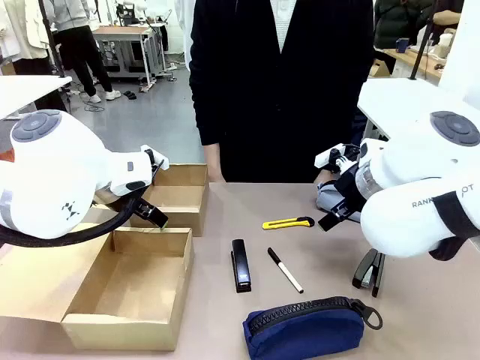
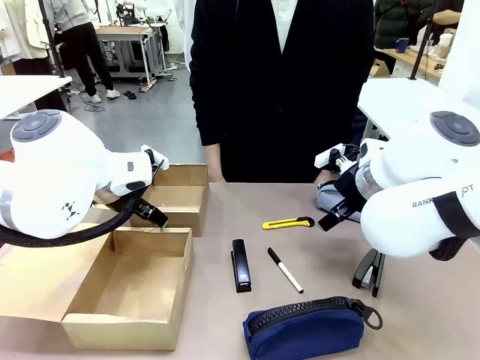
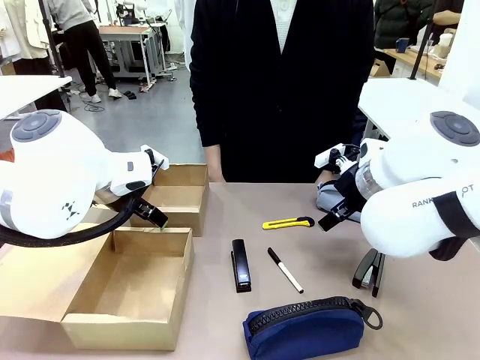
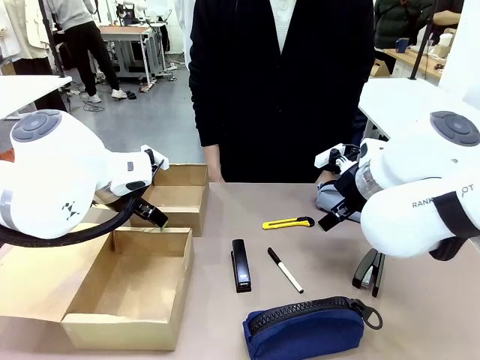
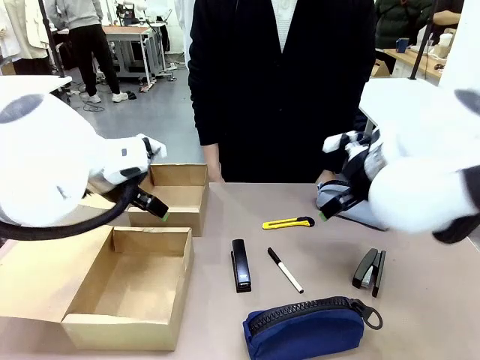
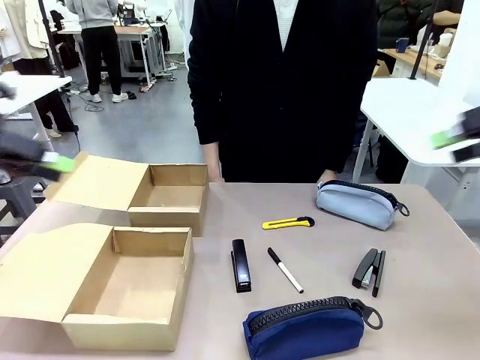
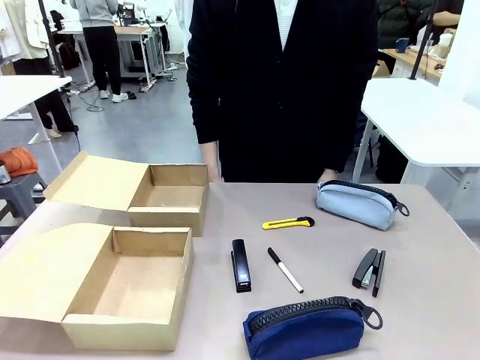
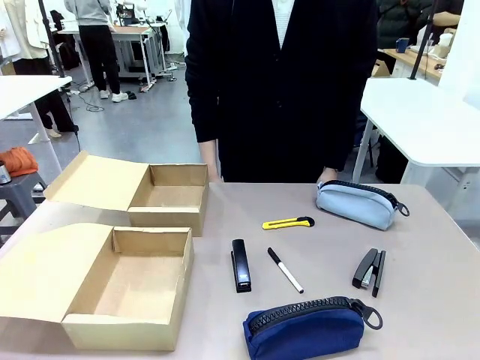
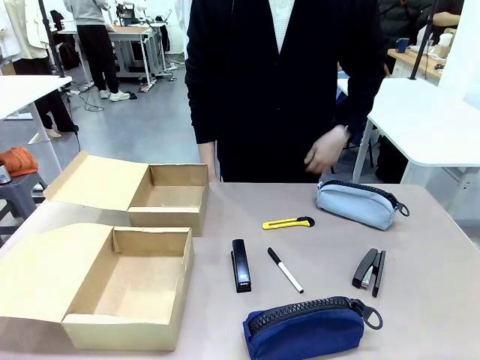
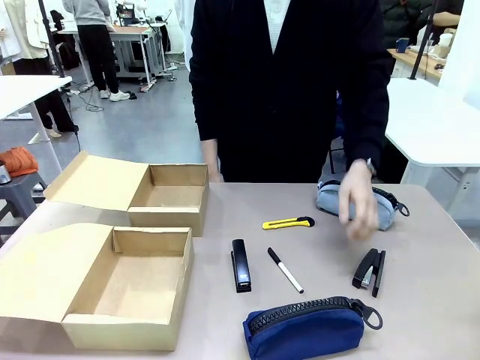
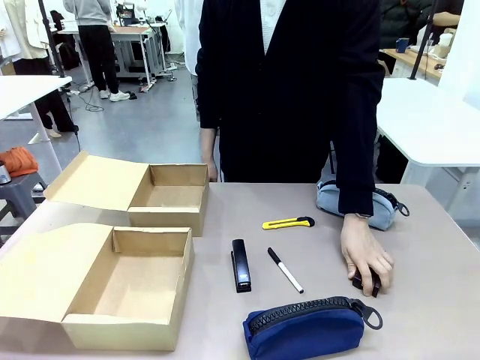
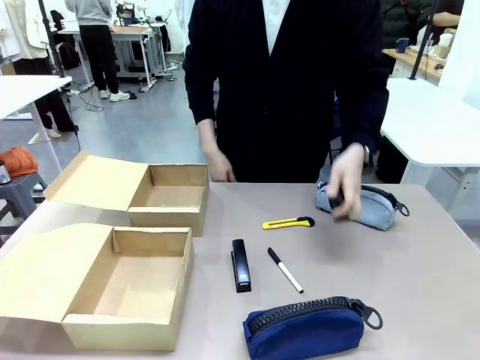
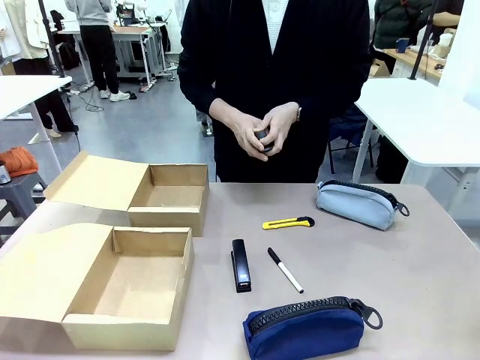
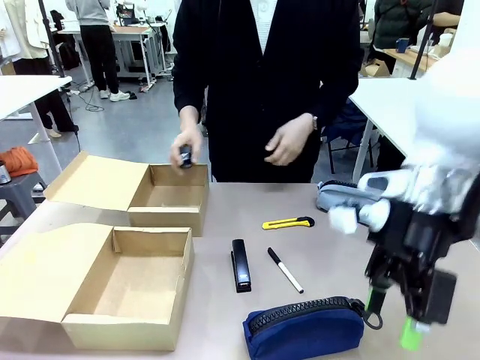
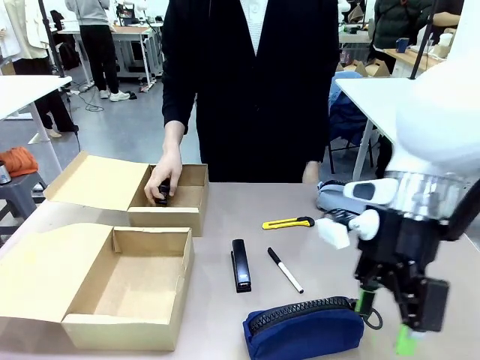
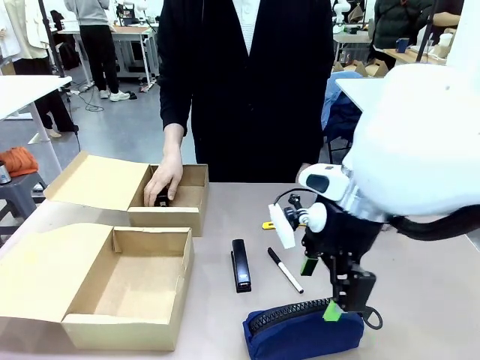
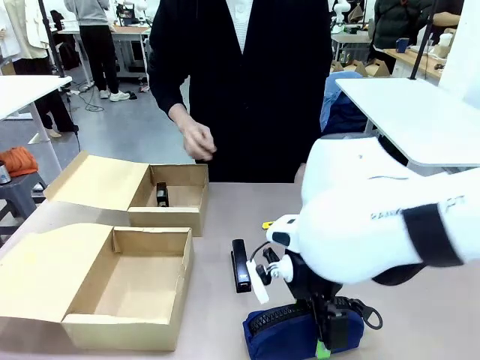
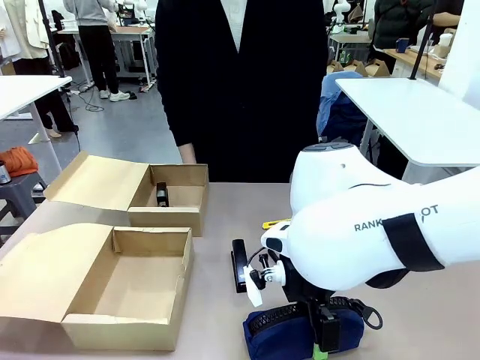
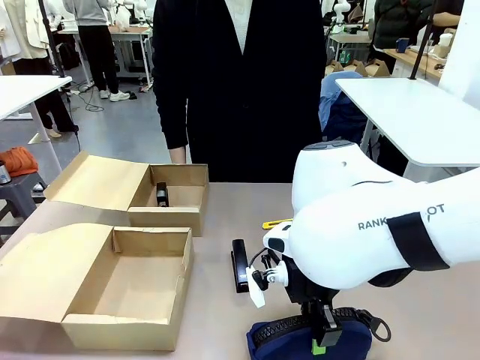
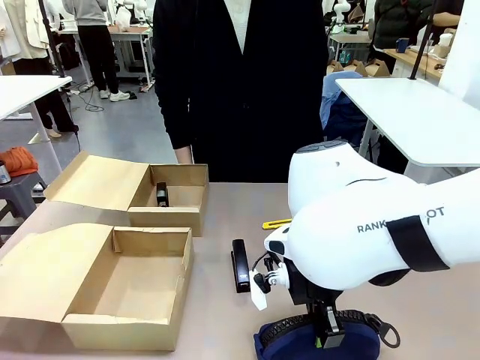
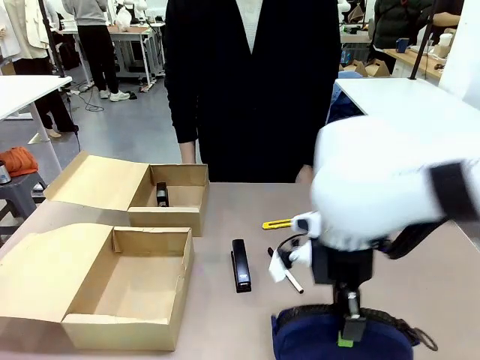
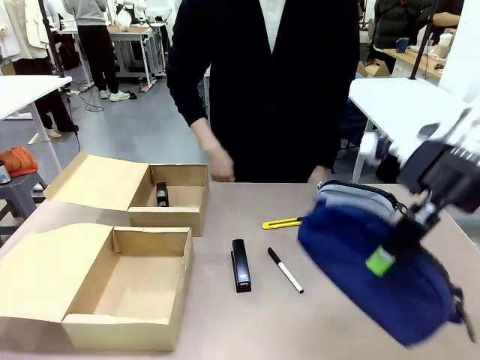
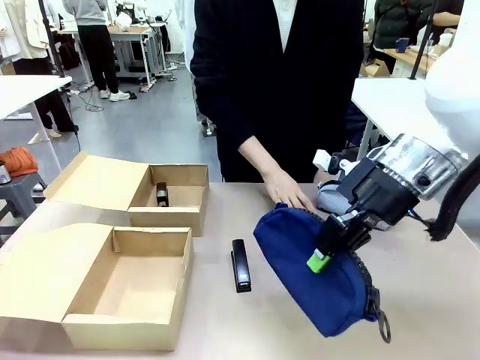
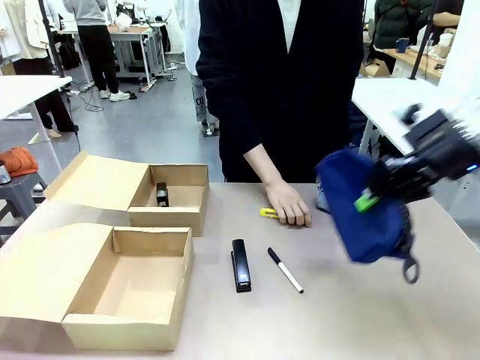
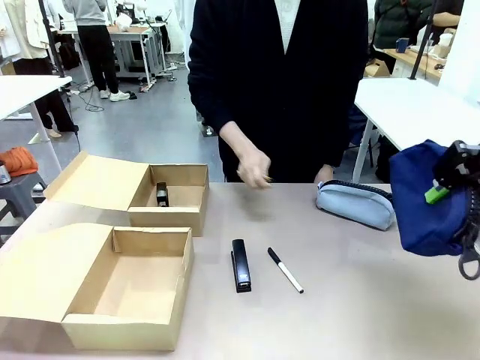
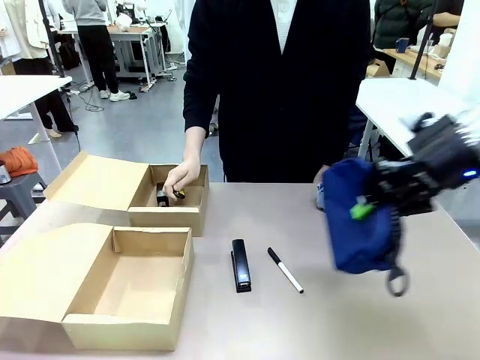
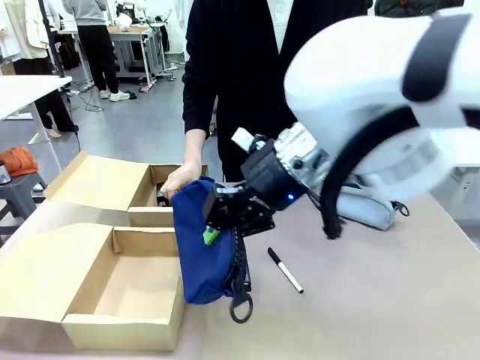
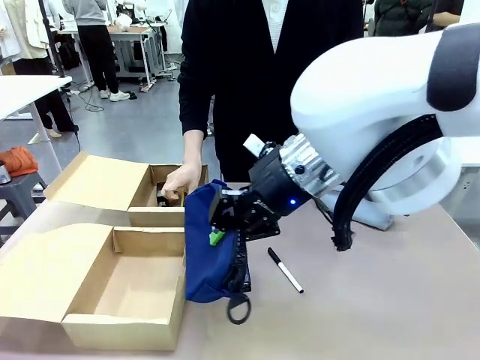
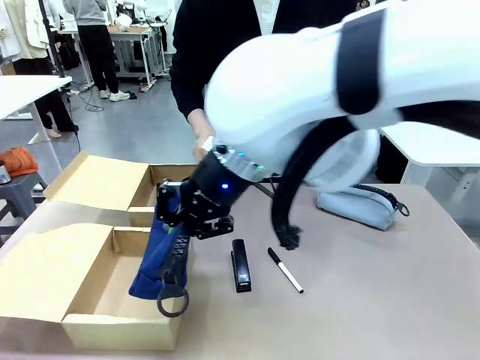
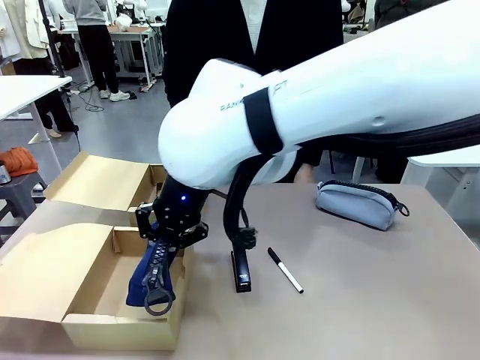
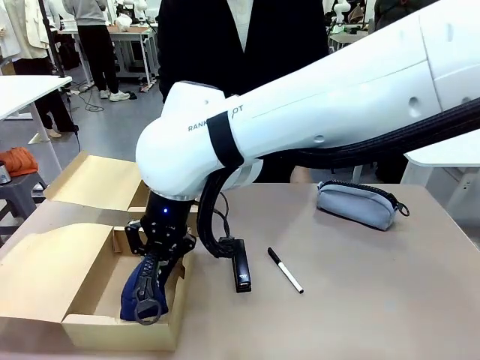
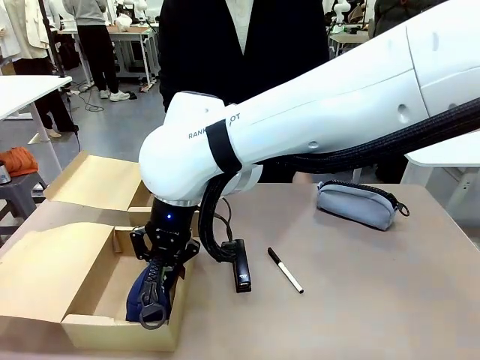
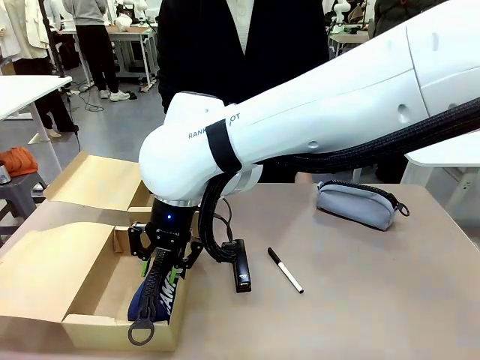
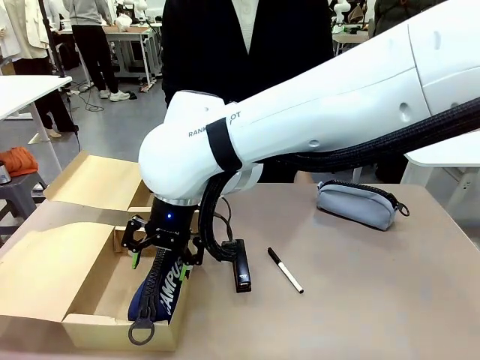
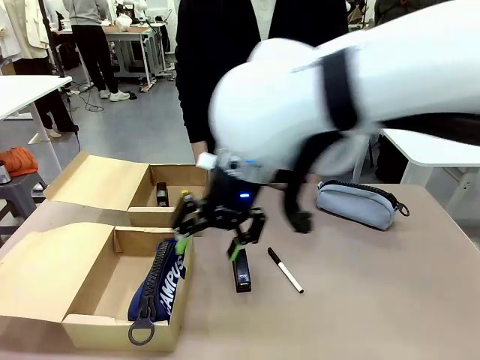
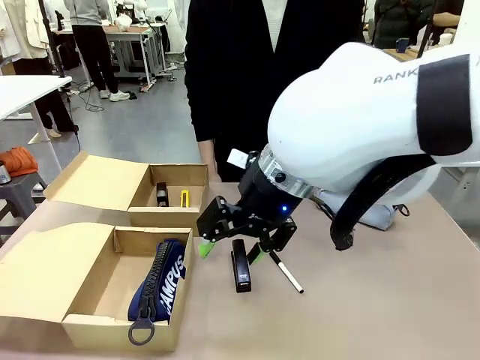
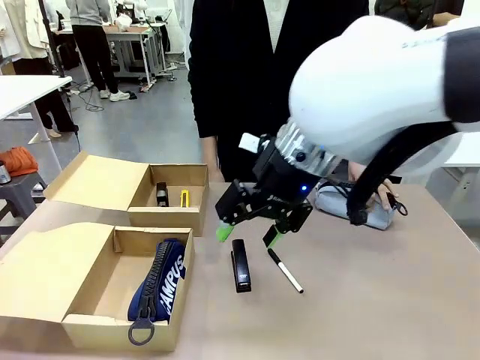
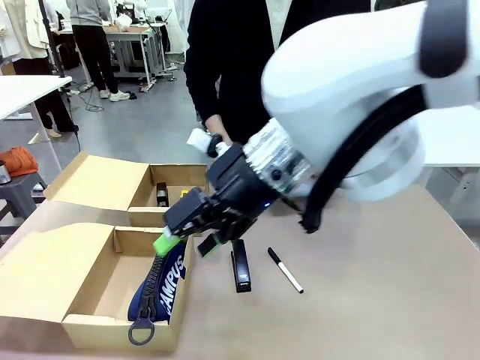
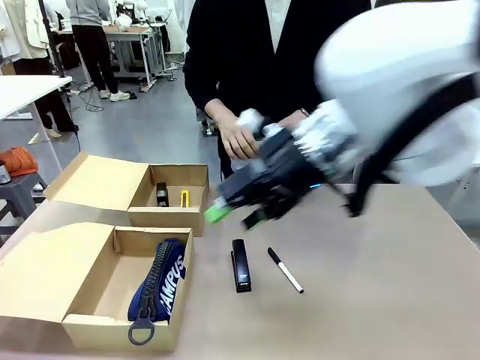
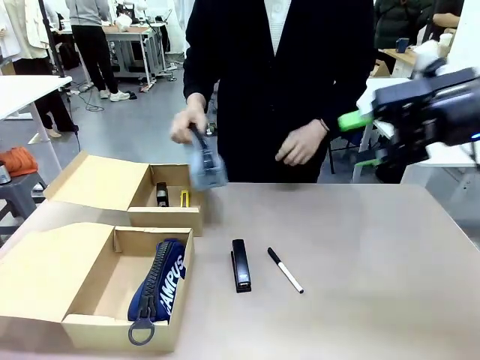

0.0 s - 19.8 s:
Task: Place items inside the box.
Robot: Pick up a Pencil pouch or Stapler and place it inside the Mailer Box closest to the robot.
Person: Pick up an object on the table and put it in the box.
